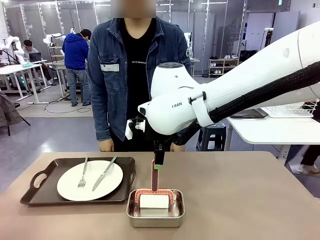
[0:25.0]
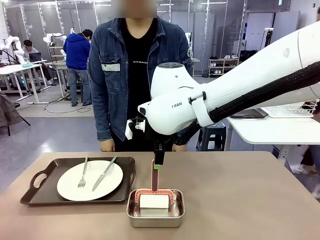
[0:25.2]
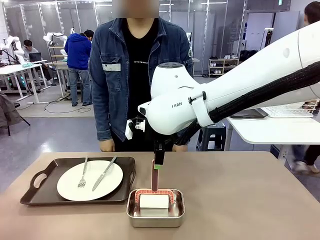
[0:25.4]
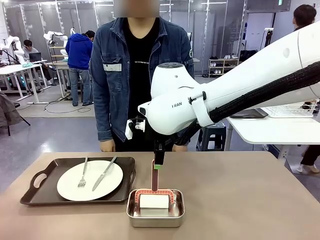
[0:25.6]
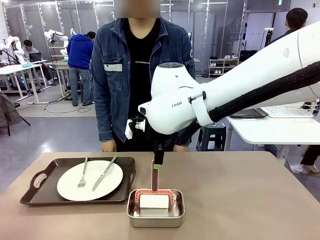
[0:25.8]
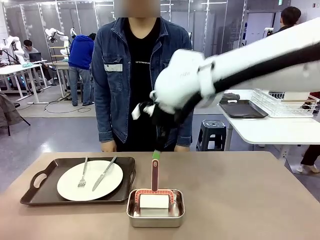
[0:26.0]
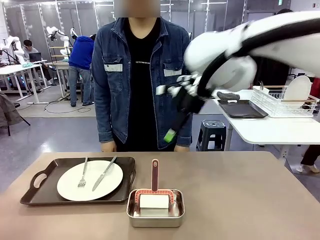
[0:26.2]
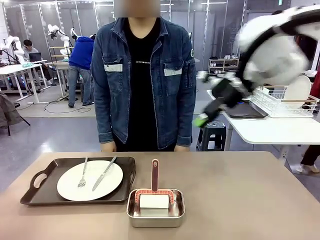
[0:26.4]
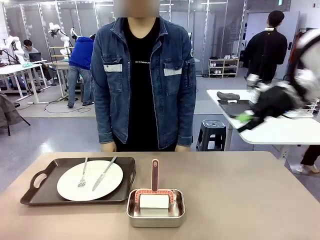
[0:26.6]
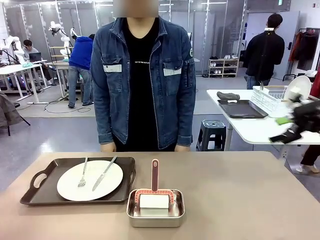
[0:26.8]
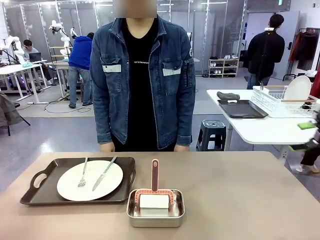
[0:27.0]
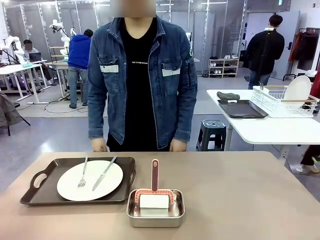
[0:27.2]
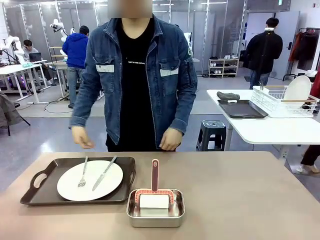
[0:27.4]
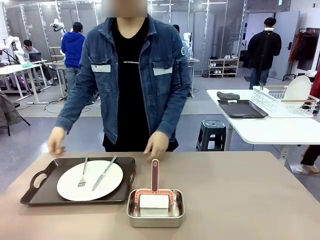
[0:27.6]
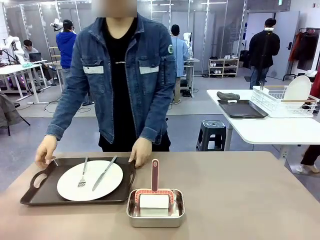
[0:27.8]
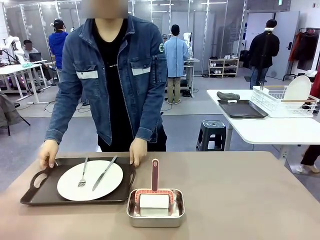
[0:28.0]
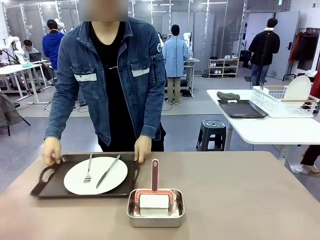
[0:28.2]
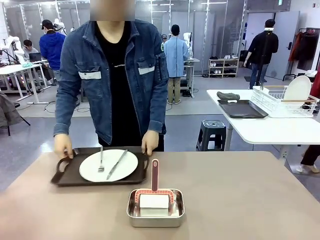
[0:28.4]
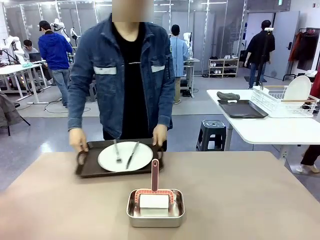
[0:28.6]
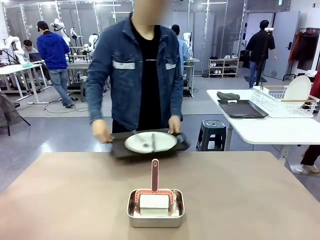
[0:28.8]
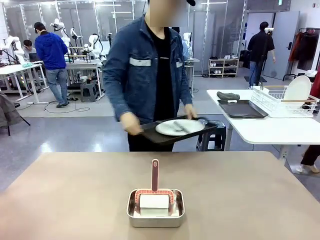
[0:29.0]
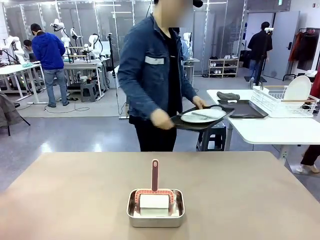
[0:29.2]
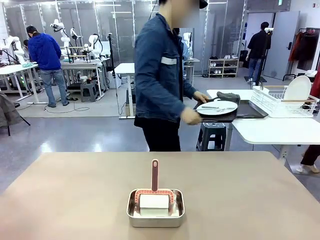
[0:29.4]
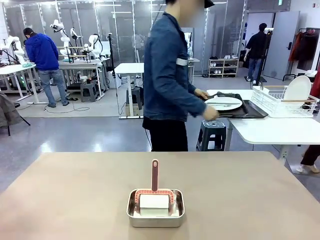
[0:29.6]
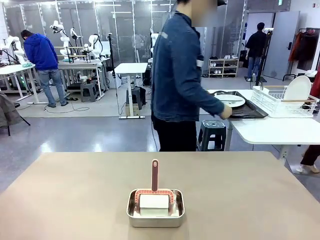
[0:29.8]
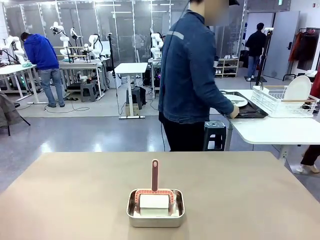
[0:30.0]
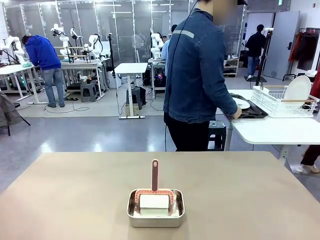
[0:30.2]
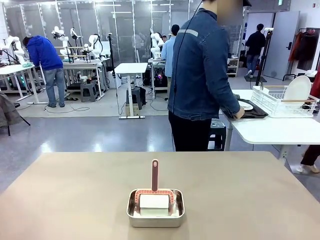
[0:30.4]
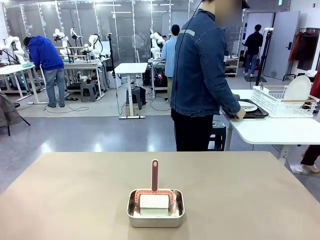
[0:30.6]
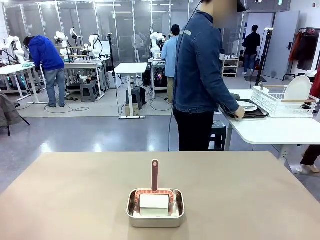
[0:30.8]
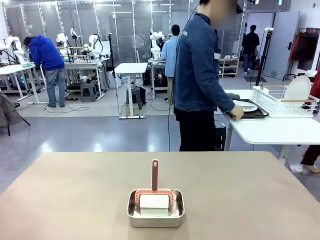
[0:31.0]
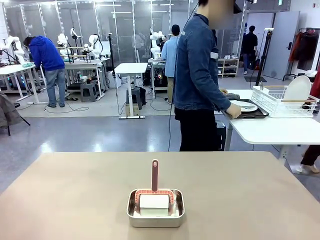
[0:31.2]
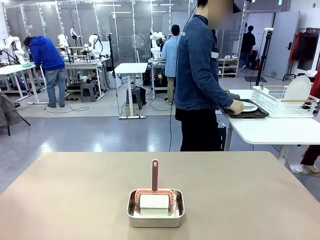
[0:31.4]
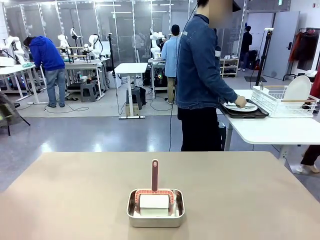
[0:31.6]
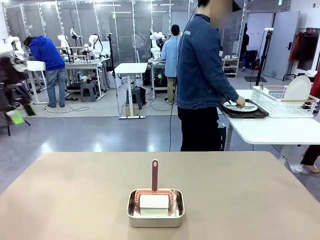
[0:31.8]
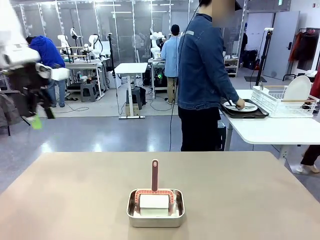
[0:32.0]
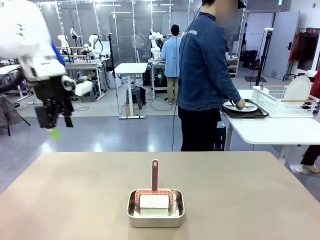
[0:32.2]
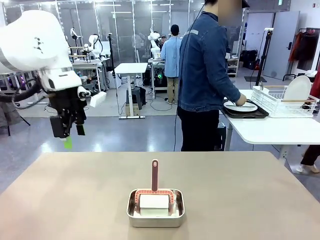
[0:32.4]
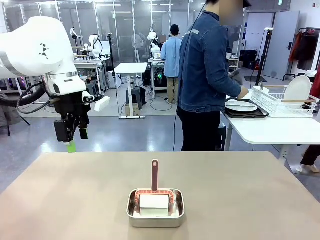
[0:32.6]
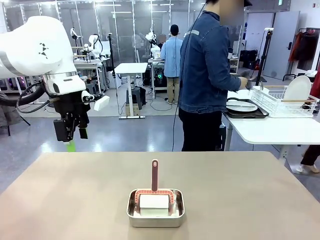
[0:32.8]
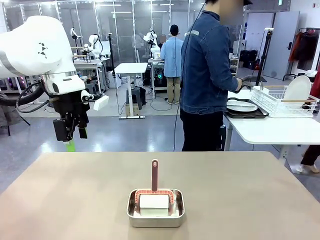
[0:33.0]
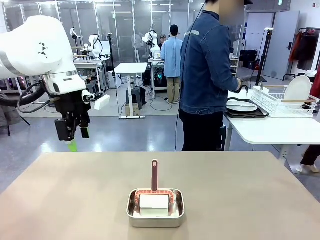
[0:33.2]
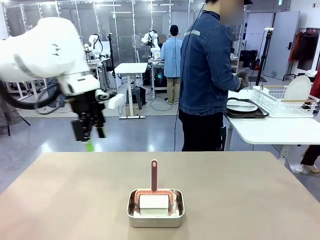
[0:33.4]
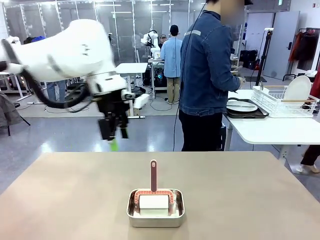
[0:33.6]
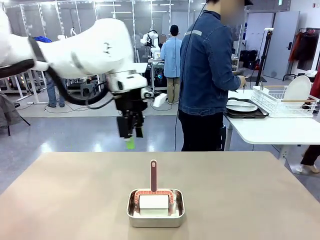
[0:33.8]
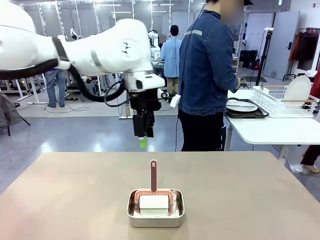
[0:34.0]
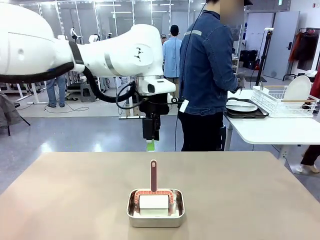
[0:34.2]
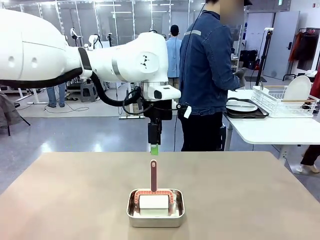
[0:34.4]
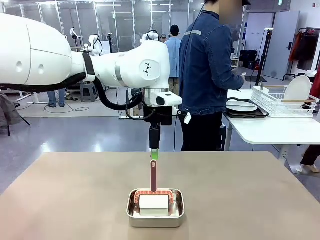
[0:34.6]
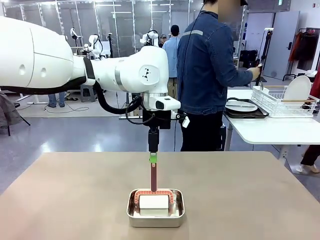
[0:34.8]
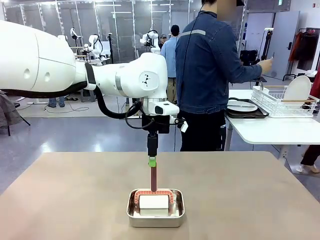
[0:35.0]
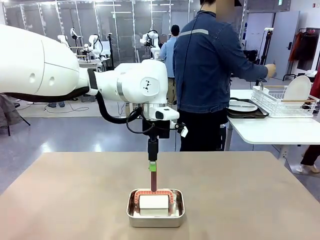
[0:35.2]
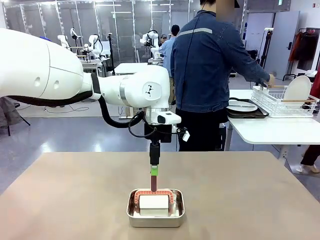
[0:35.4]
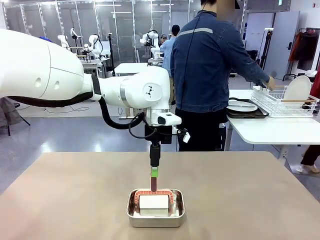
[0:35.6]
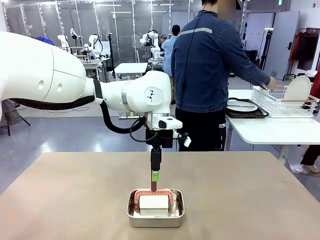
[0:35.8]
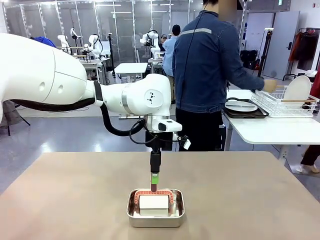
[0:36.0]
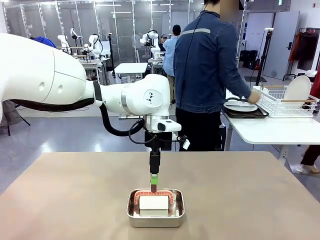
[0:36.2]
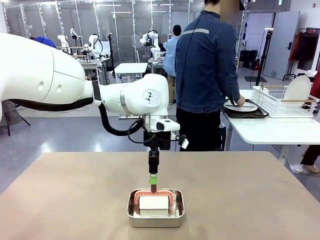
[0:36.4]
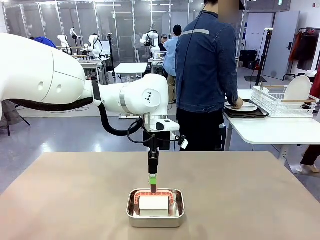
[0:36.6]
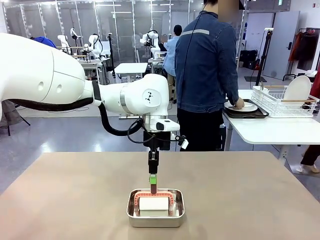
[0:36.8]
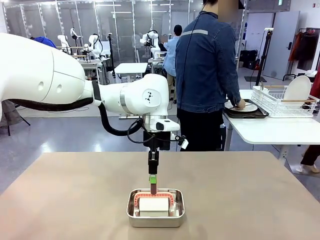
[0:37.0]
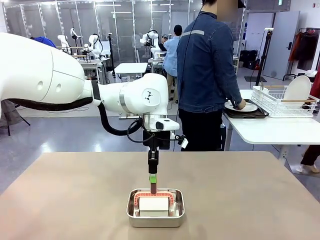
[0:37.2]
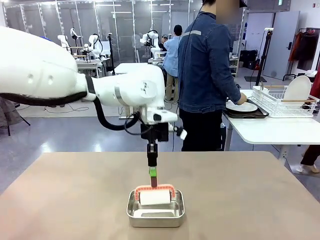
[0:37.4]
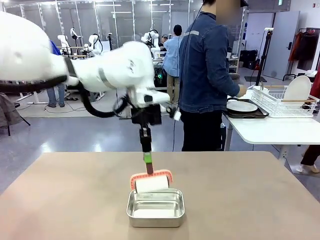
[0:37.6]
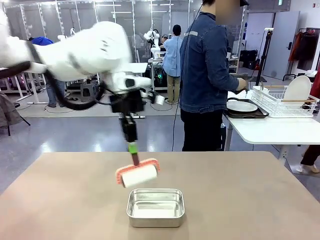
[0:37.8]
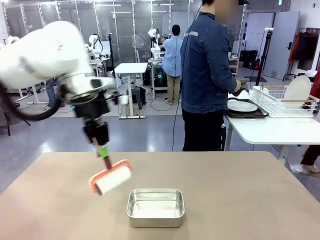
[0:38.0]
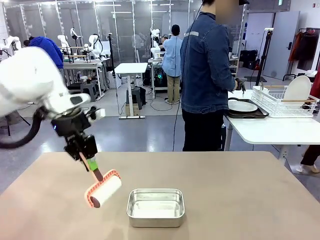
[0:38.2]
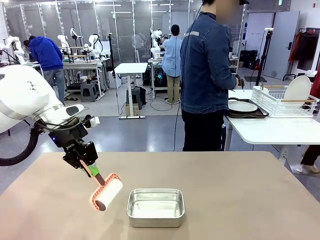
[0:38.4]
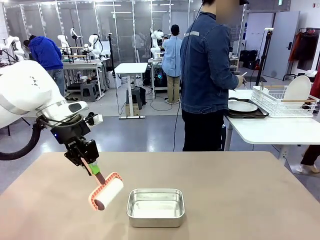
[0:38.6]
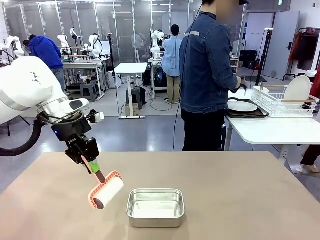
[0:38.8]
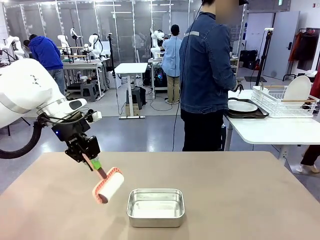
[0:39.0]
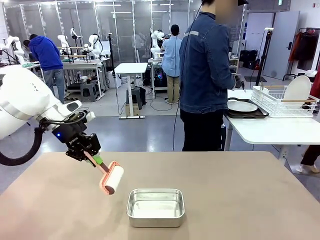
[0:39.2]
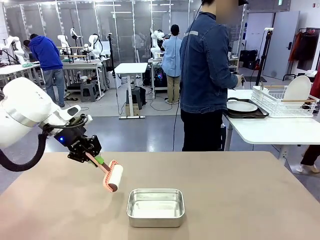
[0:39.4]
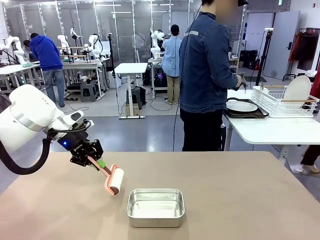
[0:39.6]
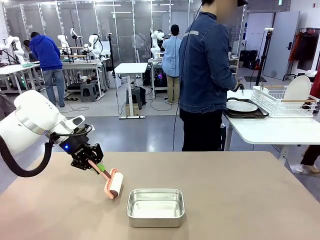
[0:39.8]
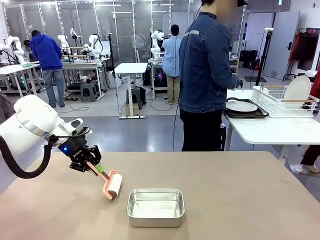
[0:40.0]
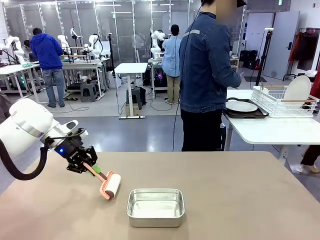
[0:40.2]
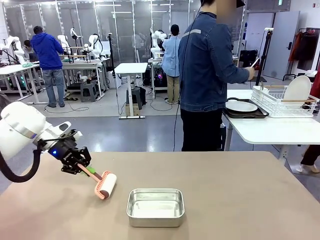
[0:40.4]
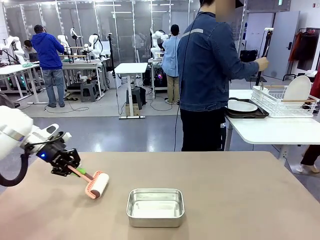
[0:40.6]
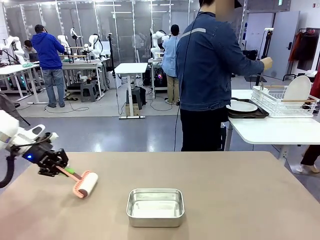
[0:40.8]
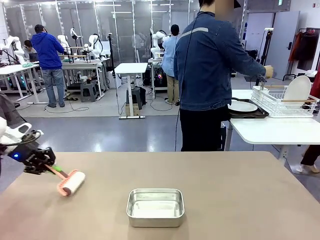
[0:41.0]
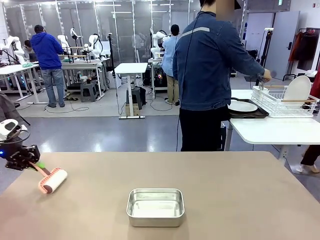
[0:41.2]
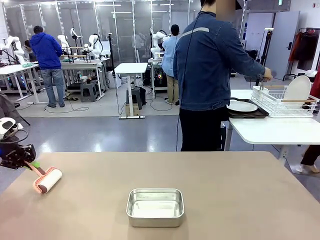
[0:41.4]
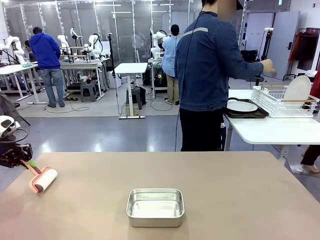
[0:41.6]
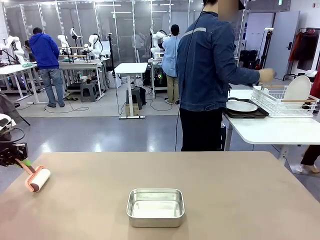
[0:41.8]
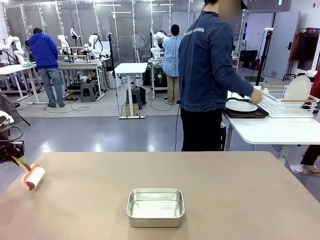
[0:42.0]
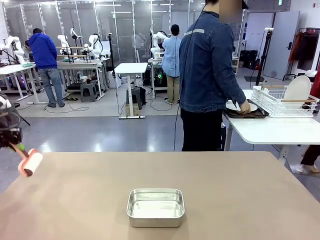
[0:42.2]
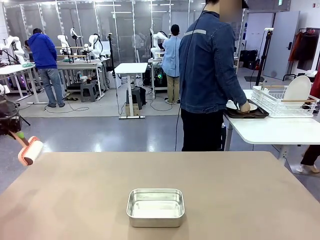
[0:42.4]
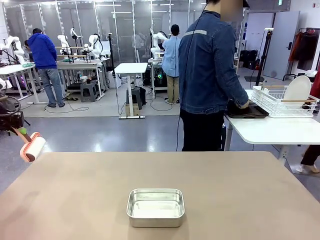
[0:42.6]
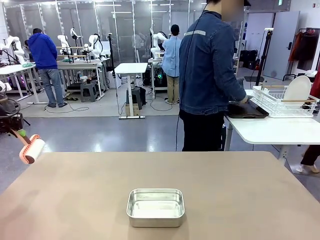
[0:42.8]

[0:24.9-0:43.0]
Robot: When the right (or left) Handle tray is removed, use the right hand (or left hand) to clean the right (or left) side of the table with the Lint Roller.
Person: Pick up the left (or right) Handle tray and place it on the Handle tray.

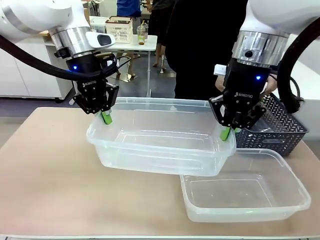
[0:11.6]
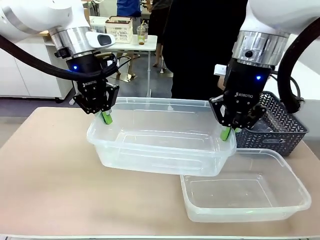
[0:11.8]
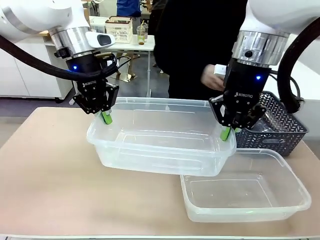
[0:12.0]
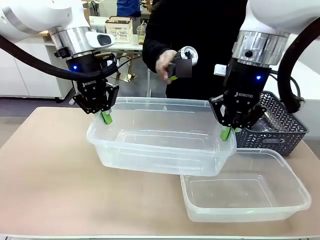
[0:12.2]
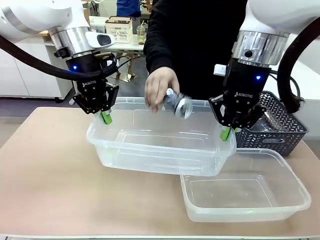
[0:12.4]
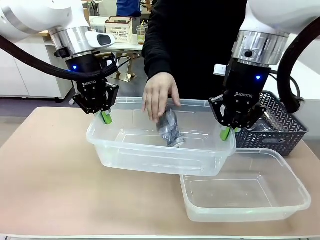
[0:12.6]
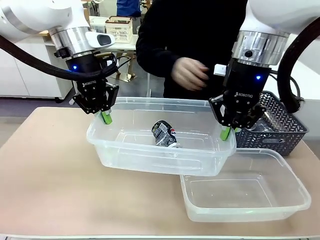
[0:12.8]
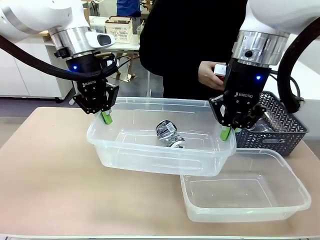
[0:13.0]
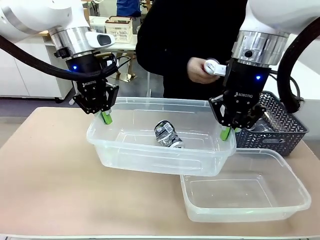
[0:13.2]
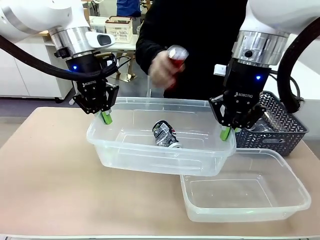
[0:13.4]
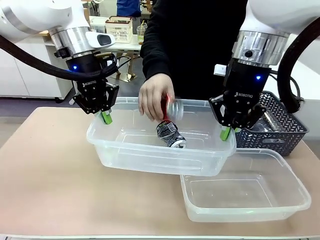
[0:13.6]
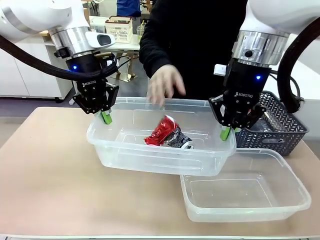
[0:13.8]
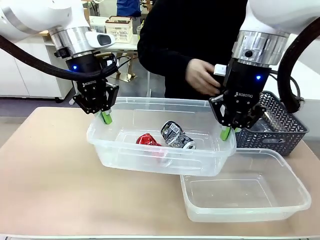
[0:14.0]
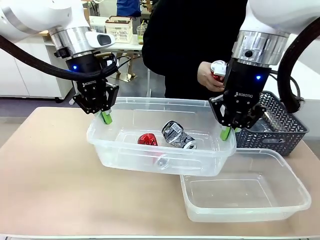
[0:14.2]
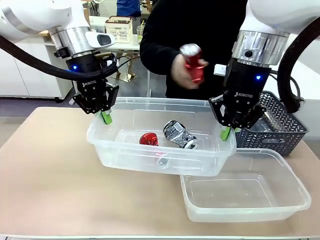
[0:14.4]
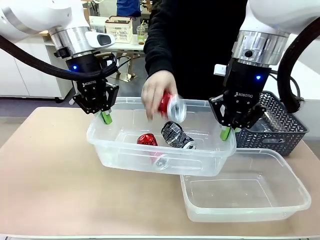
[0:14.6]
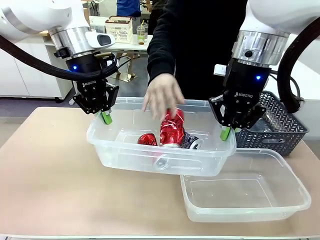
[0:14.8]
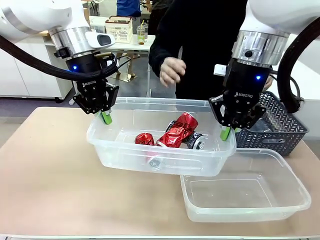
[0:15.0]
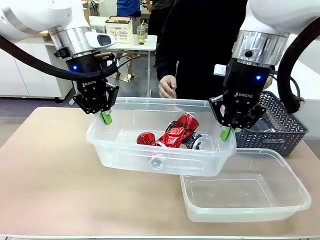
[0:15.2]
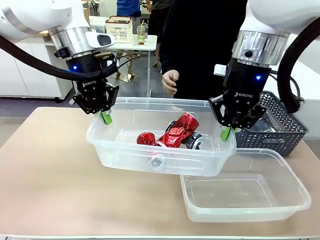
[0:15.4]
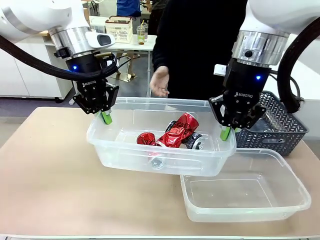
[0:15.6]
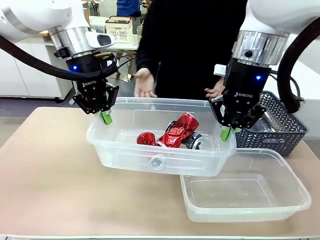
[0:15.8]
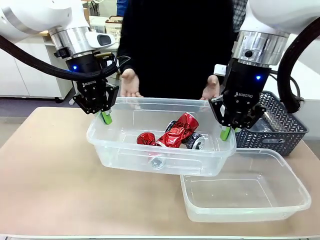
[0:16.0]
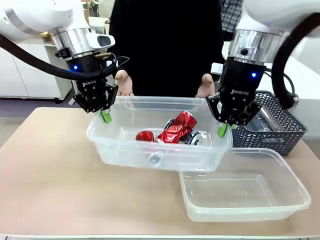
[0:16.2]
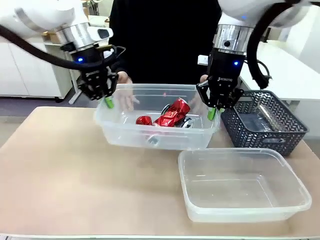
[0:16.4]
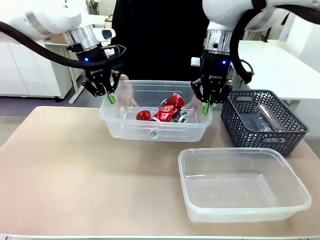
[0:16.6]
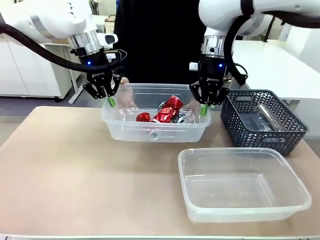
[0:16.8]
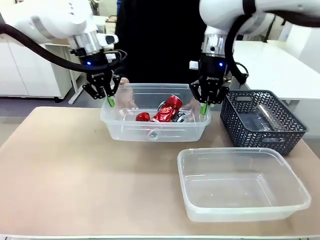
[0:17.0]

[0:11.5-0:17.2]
Robot: Offer the picked Organizing box to the human.
